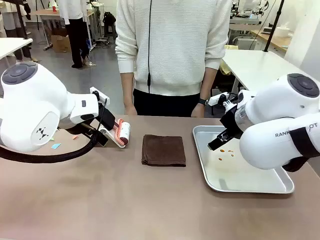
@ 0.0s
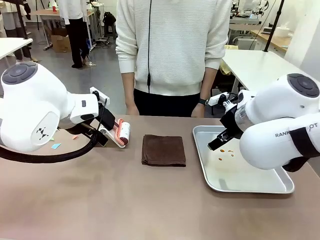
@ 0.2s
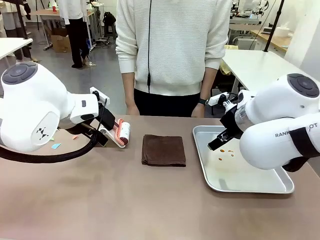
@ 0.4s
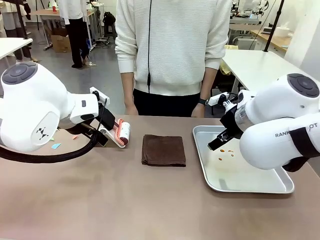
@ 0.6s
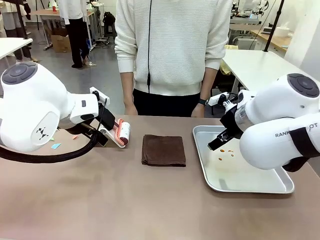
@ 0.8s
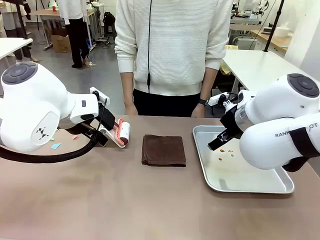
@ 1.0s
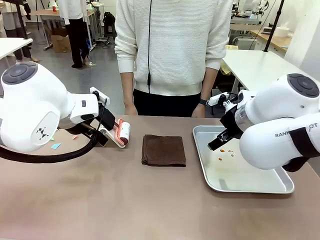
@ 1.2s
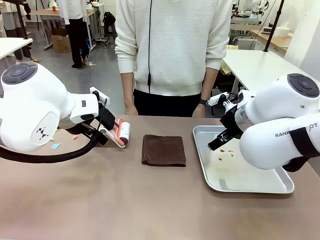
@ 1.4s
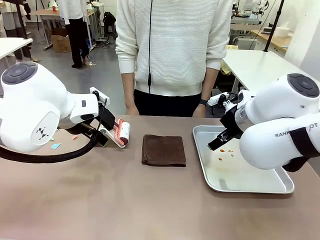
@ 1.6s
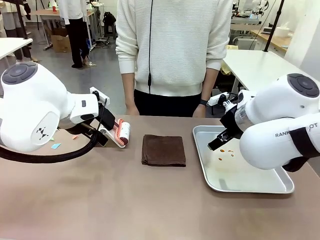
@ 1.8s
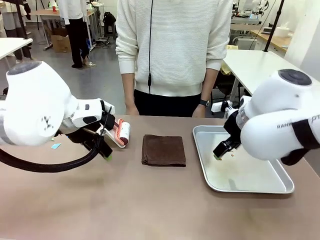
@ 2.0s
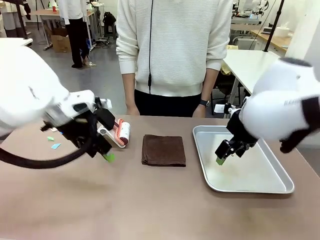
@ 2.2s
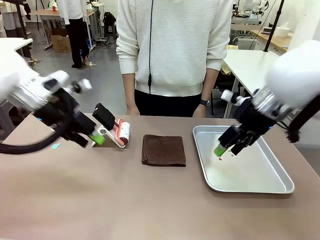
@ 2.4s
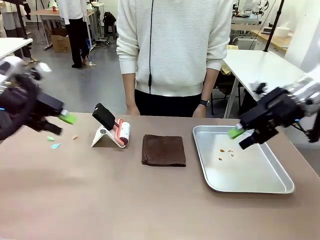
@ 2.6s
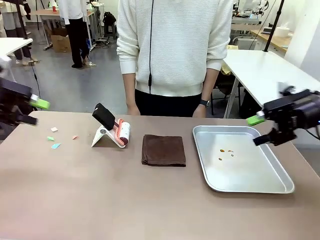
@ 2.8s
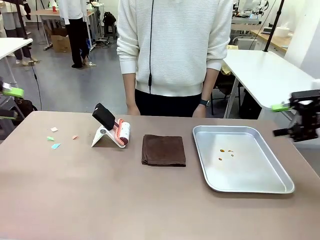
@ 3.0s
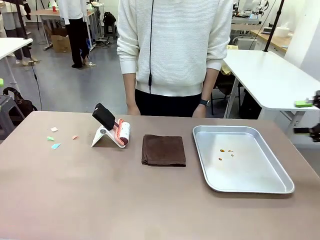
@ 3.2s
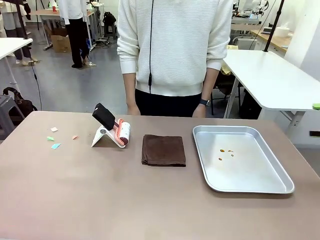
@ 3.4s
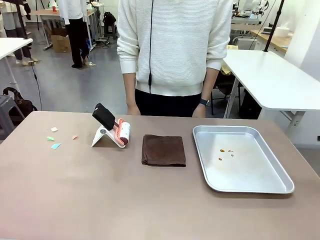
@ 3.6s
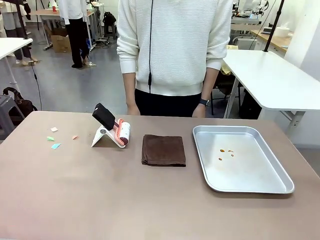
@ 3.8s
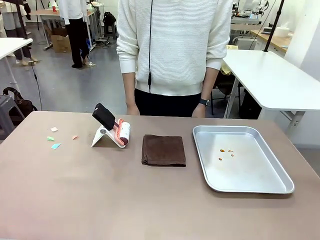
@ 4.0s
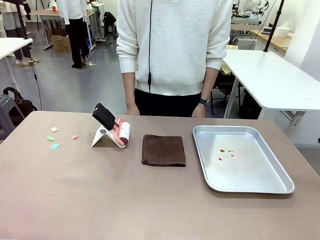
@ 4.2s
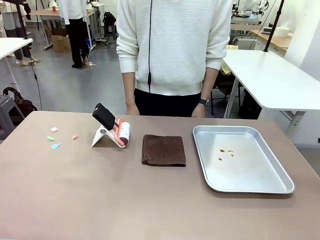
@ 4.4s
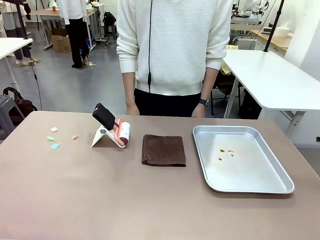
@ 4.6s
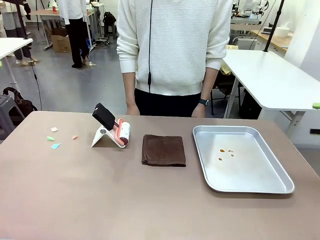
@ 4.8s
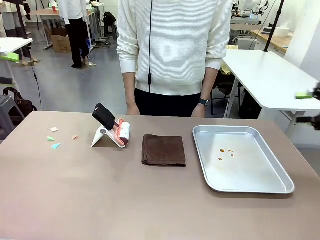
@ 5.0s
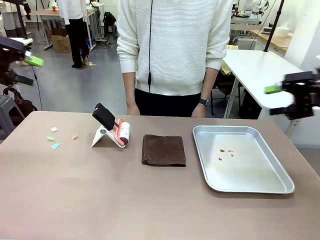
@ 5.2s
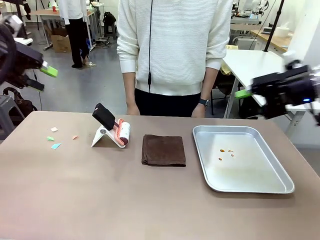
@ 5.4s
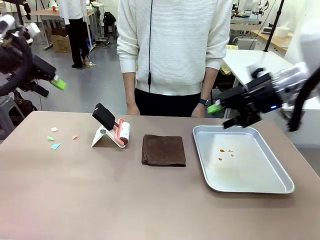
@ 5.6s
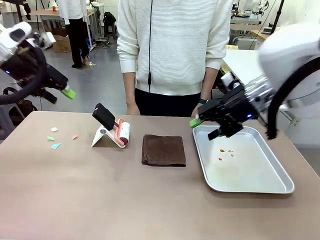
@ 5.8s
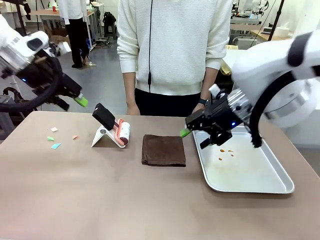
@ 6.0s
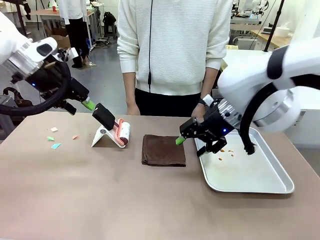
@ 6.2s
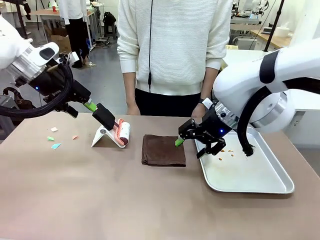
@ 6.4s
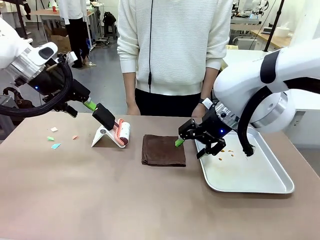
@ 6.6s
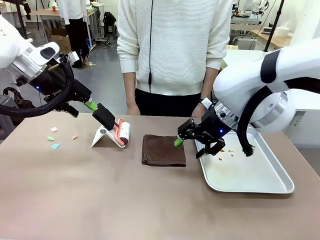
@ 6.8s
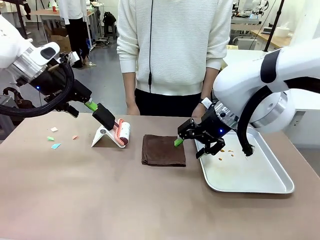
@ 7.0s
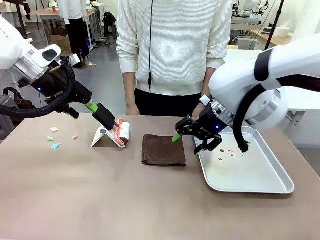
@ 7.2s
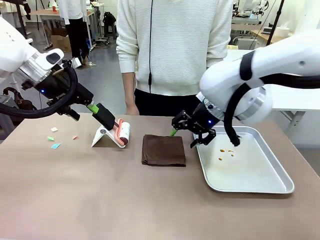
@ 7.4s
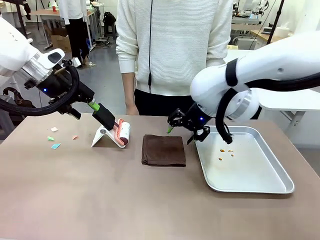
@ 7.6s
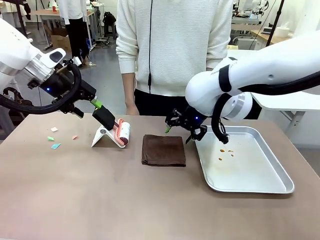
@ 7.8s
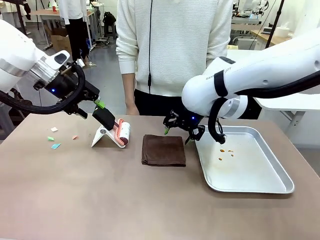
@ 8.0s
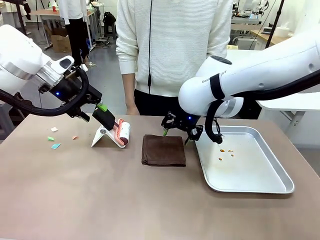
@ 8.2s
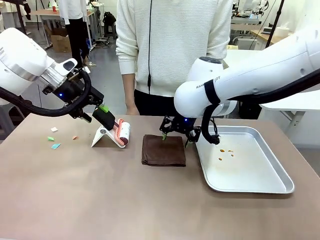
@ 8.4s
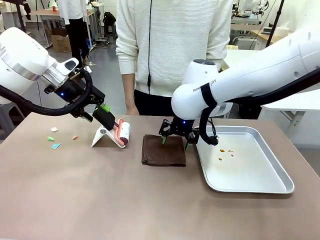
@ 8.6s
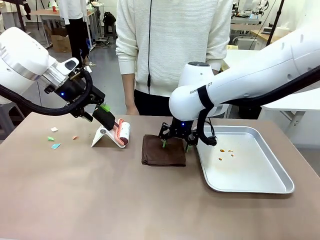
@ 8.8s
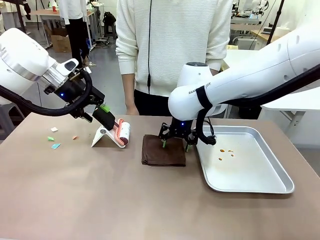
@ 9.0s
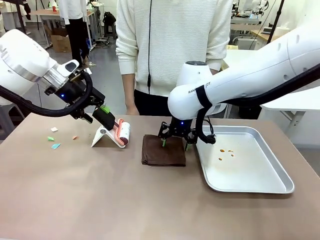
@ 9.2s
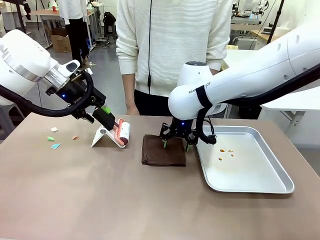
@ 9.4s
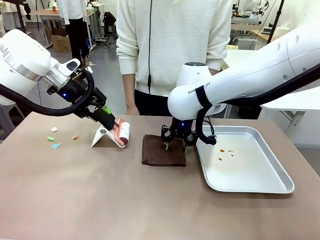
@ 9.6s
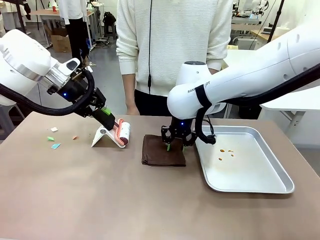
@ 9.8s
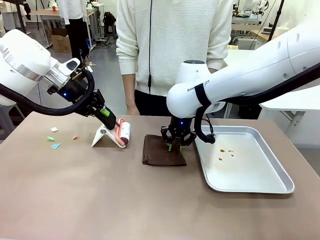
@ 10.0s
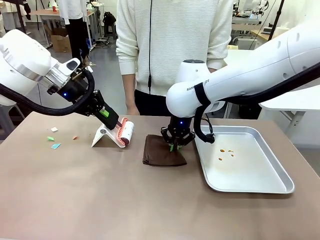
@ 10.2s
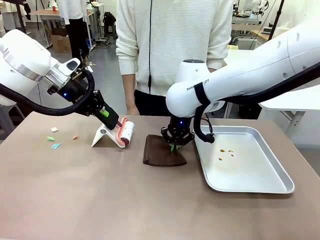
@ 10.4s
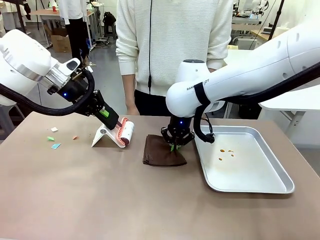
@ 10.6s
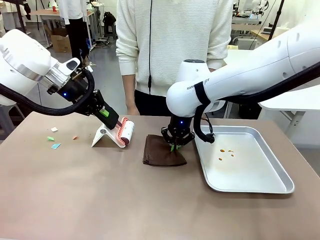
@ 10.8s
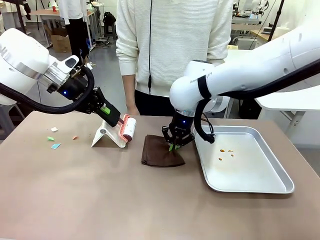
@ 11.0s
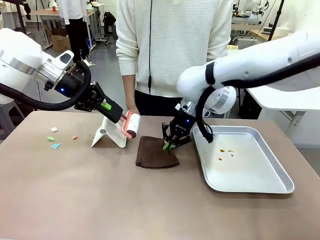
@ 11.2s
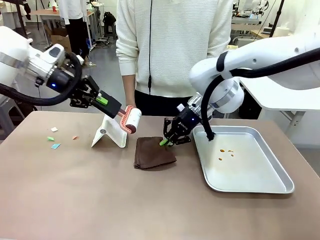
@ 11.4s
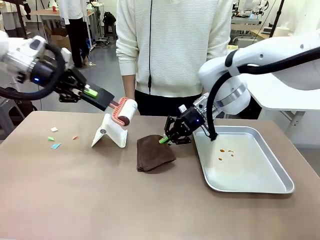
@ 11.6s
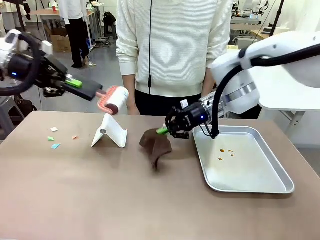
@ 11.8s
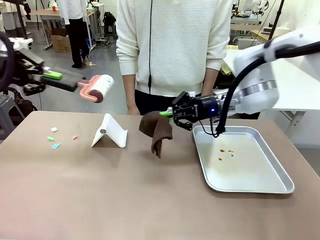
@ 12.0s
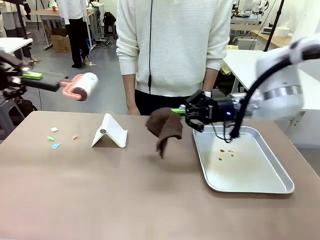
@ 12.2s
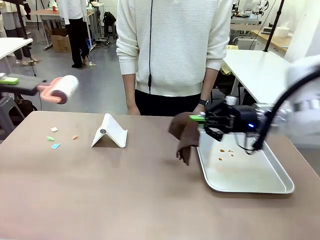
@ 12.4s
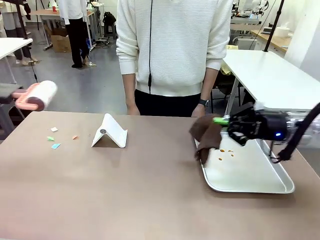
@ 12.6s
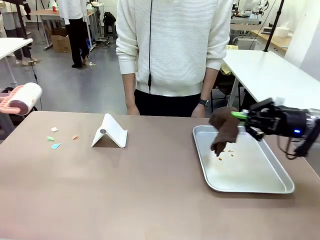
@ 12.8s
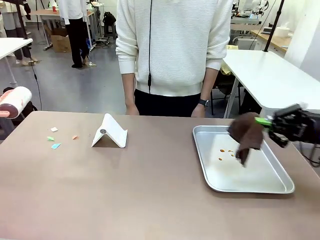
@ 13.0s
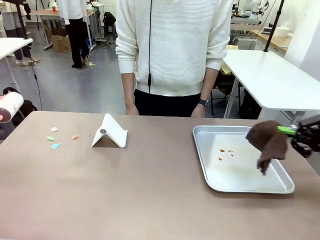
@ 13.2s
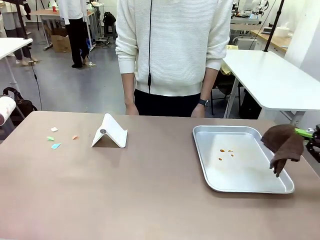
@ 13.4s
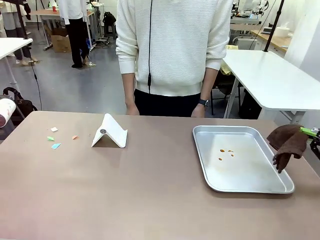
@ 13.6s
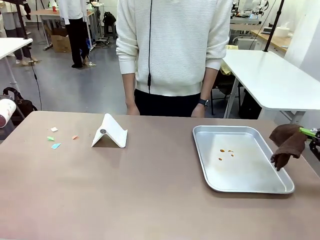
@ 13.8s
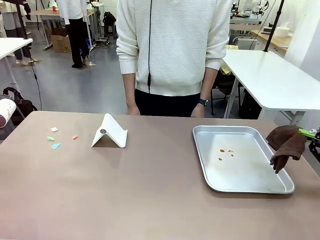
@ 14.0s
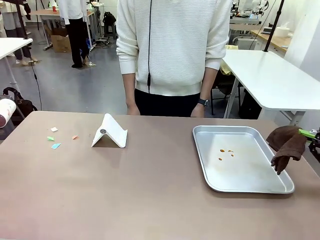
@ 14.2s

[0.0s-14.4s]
Task: Clean the surface of the table.
Robot: Hold the Lint Roller with your left hand and the towel with your right hand.

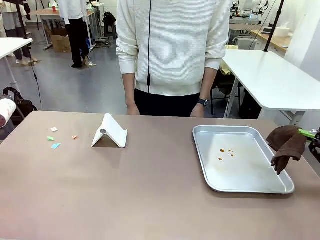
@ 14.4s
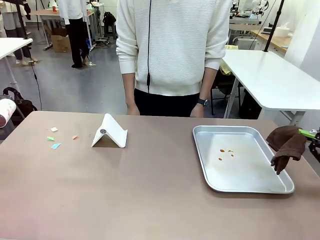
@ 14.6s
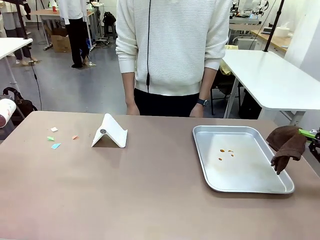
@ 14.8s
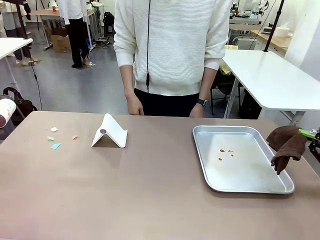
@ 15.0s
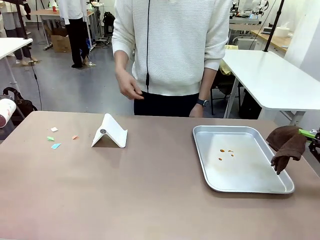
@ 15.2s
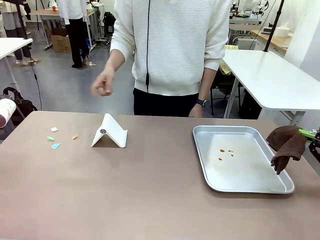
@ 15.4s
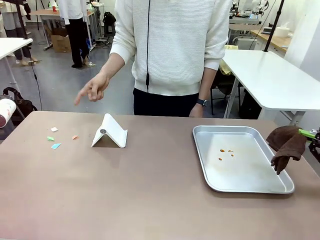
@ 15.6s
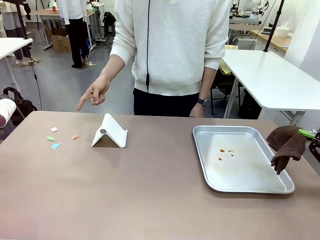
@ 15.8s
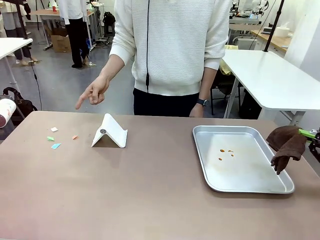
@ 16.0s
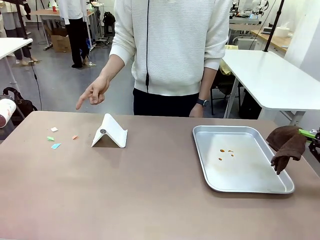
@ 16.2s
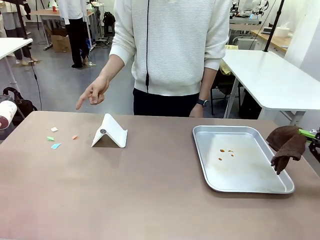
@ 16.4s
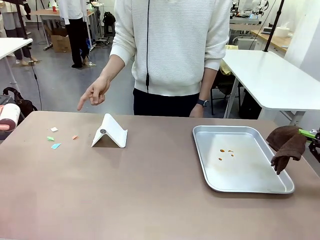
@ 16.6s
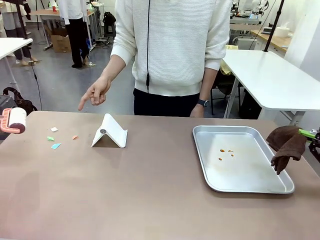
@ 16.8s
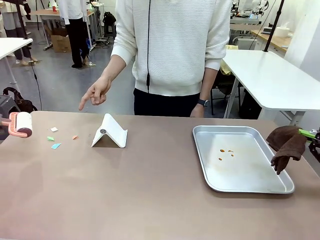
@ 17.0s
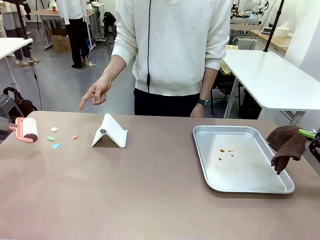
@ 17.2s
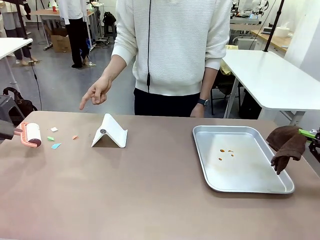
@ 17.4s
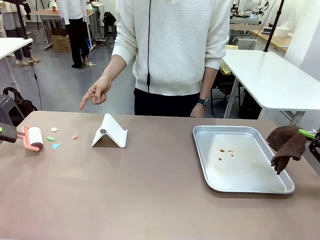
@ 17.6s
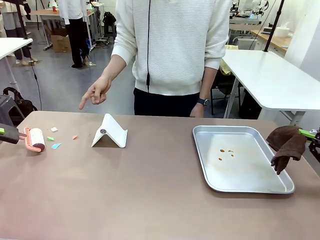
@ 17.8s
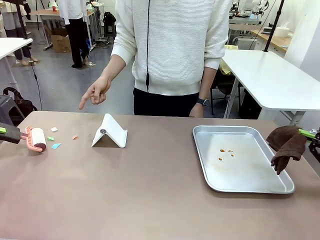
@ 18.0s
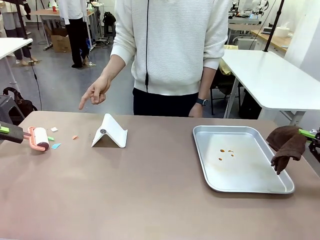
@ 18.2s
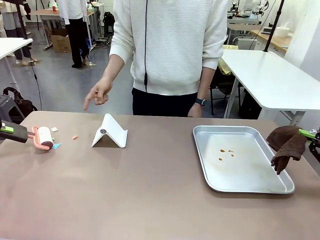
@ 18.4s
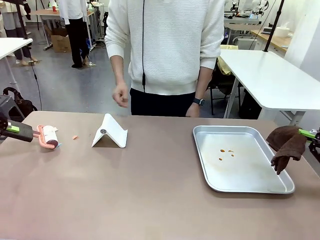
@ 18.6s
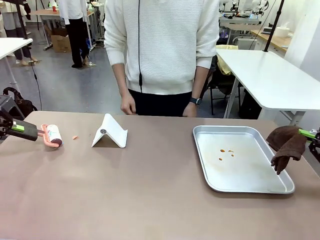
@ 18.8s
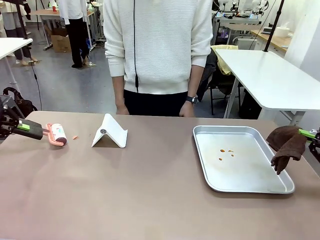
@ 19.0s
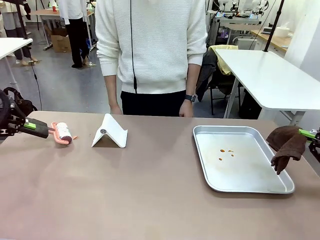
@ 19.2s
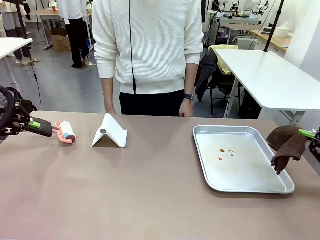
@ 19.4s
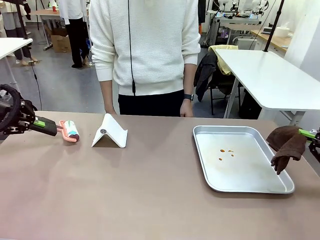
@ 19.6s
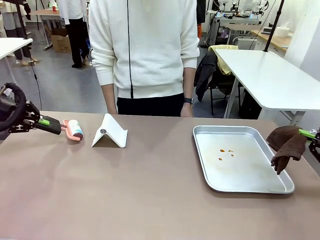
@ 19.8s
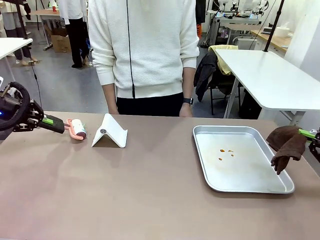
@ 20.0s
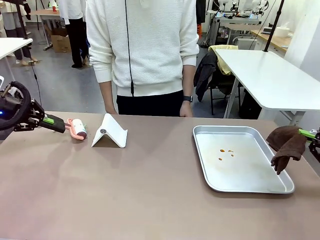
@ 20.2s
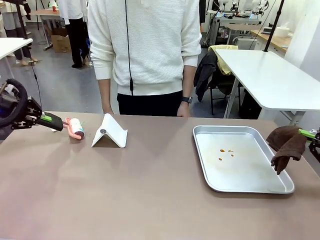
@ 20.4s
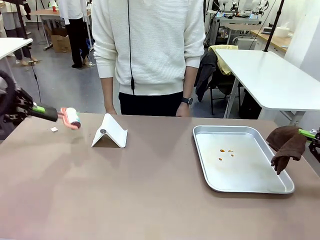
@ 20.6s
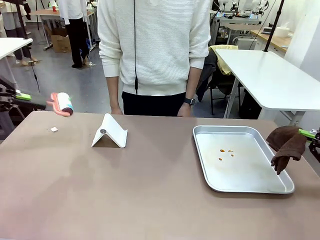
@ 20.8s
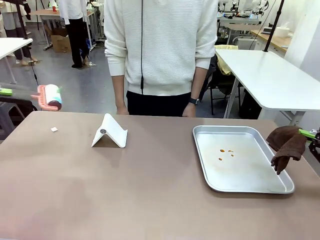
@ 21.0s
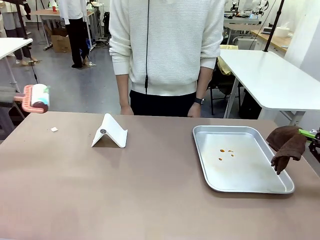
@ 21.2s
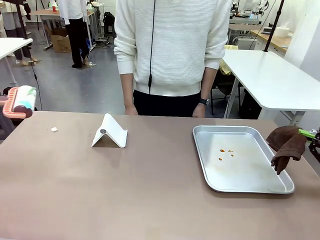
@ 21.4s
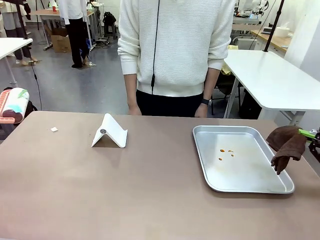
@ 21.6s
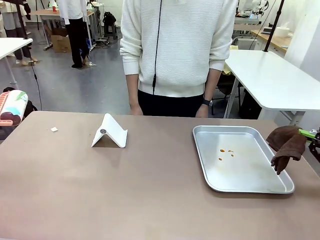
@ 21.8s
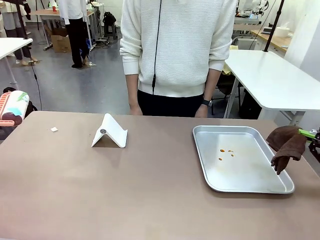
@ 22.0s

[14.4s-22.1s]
Robot: If a person points to the right, clean the right side of the table with your right hand, and if they point to the left, clean the left side with your left hand.
